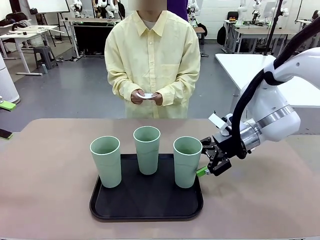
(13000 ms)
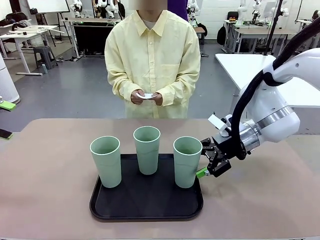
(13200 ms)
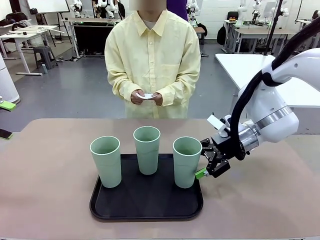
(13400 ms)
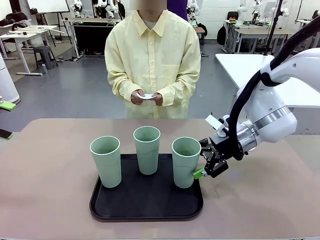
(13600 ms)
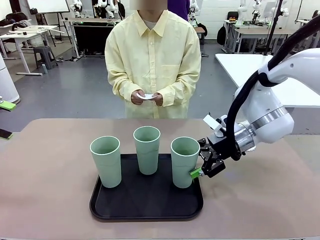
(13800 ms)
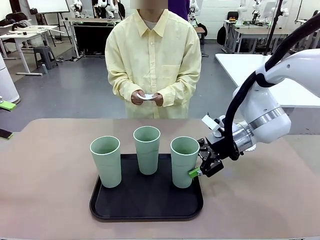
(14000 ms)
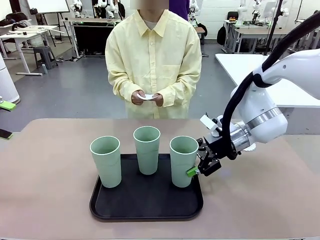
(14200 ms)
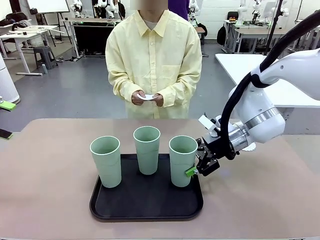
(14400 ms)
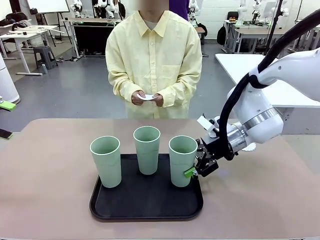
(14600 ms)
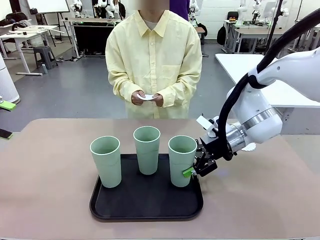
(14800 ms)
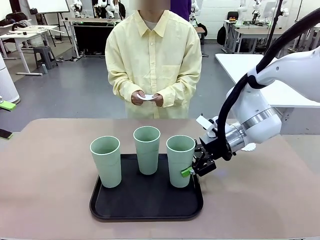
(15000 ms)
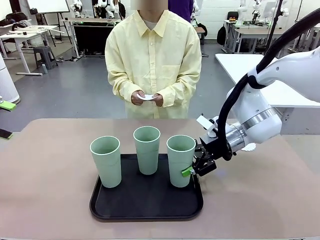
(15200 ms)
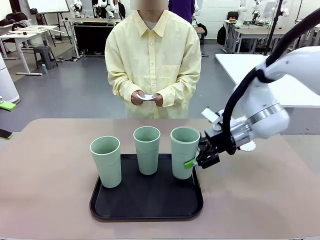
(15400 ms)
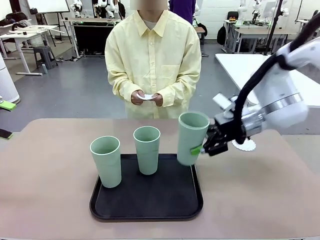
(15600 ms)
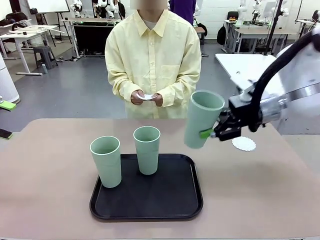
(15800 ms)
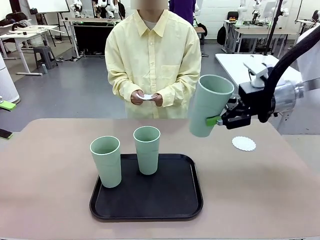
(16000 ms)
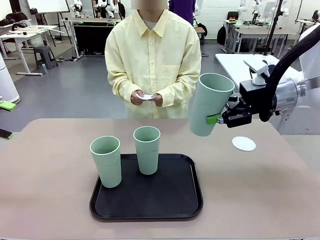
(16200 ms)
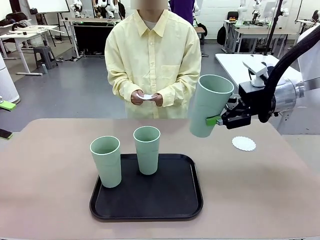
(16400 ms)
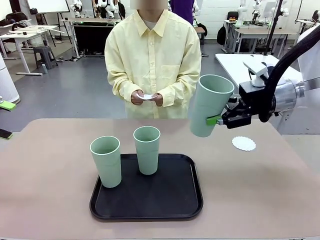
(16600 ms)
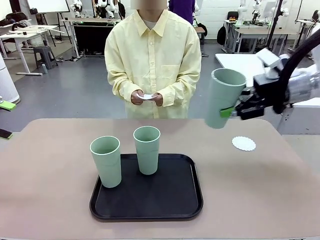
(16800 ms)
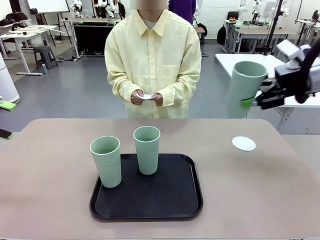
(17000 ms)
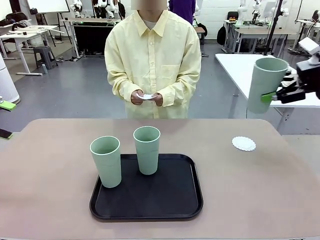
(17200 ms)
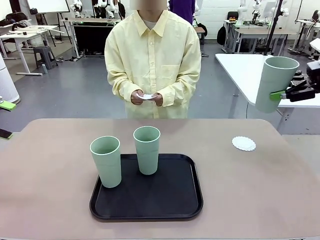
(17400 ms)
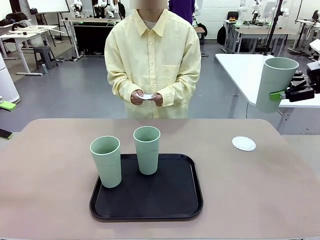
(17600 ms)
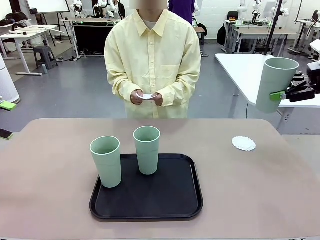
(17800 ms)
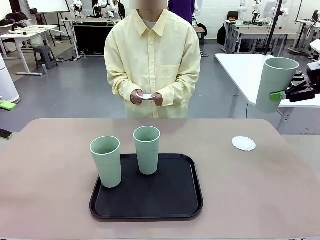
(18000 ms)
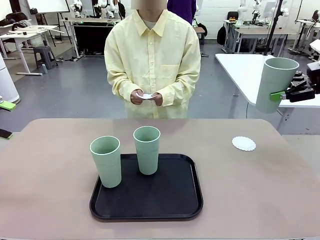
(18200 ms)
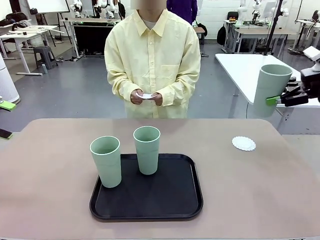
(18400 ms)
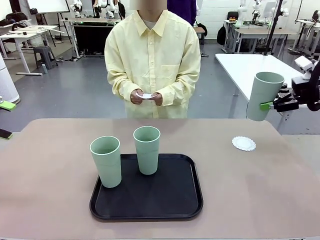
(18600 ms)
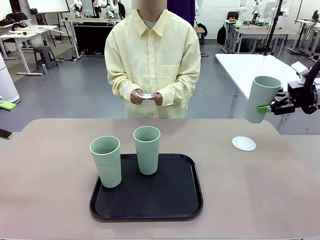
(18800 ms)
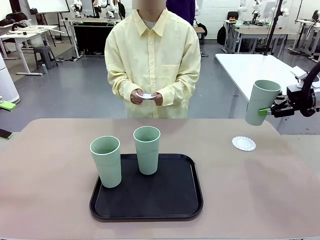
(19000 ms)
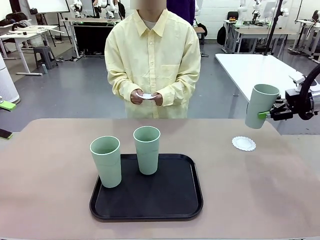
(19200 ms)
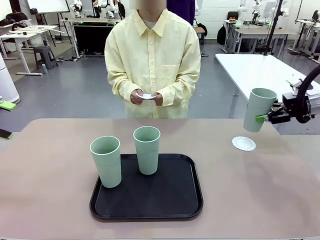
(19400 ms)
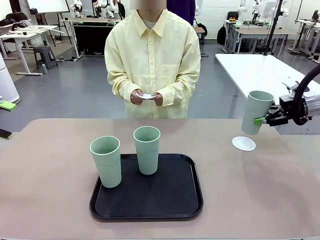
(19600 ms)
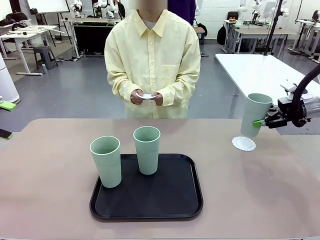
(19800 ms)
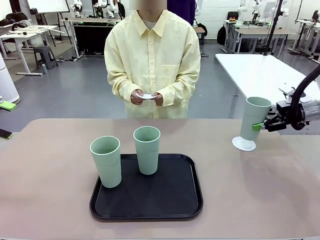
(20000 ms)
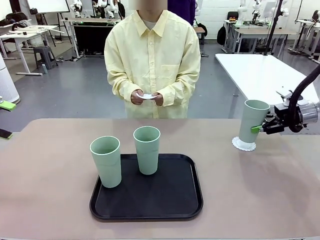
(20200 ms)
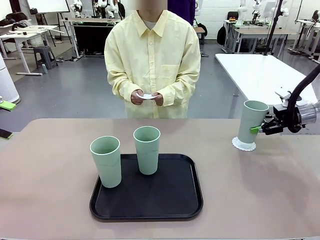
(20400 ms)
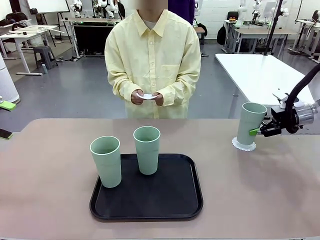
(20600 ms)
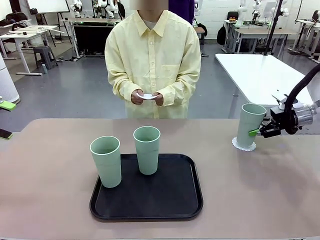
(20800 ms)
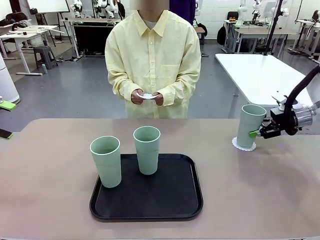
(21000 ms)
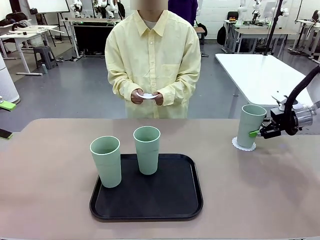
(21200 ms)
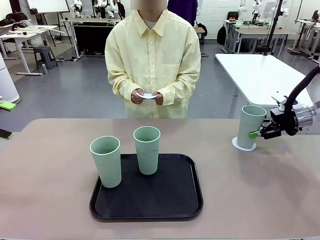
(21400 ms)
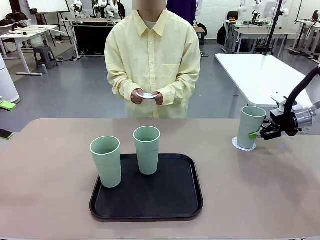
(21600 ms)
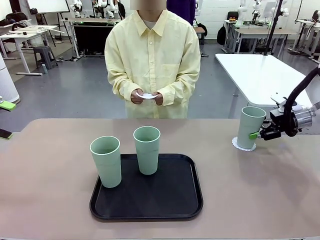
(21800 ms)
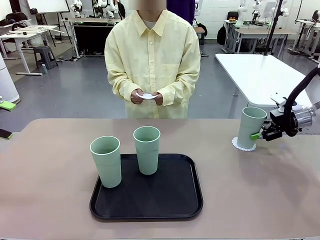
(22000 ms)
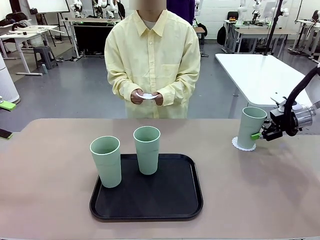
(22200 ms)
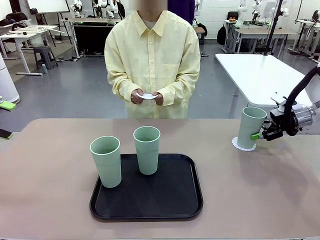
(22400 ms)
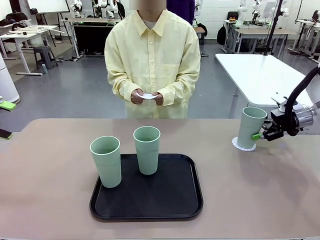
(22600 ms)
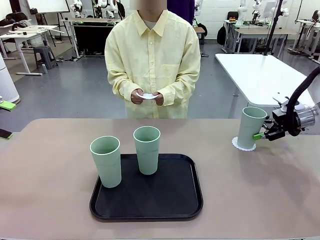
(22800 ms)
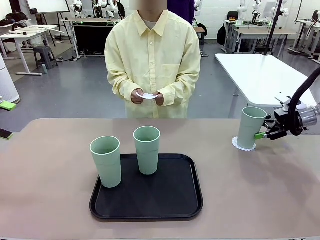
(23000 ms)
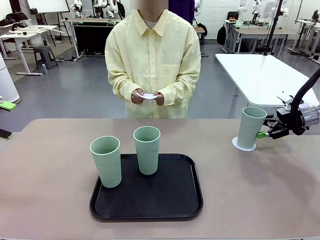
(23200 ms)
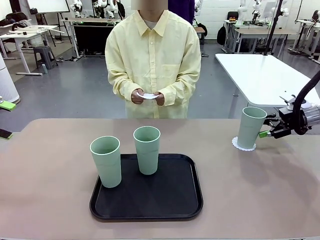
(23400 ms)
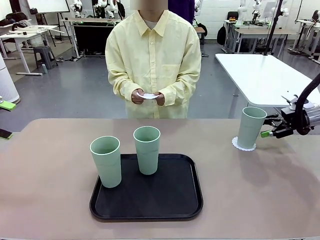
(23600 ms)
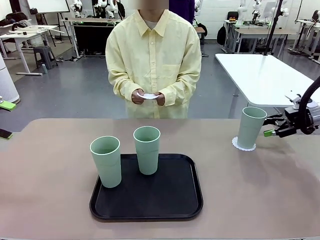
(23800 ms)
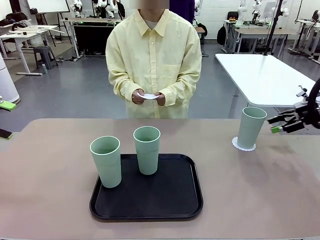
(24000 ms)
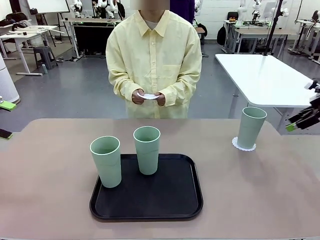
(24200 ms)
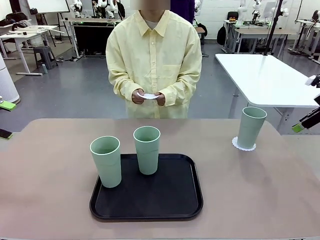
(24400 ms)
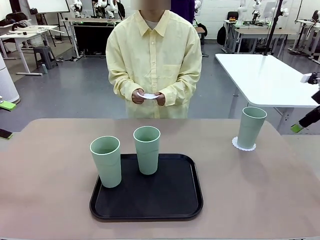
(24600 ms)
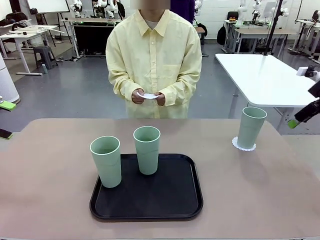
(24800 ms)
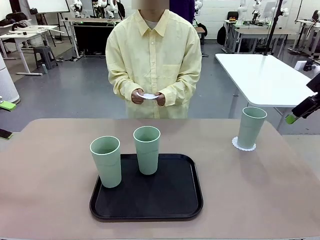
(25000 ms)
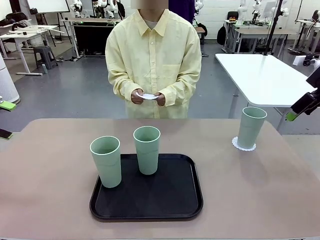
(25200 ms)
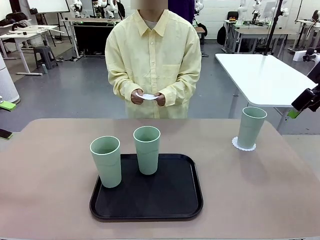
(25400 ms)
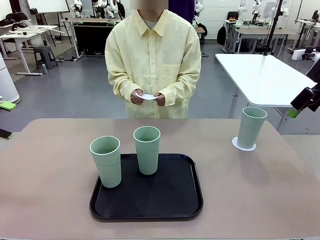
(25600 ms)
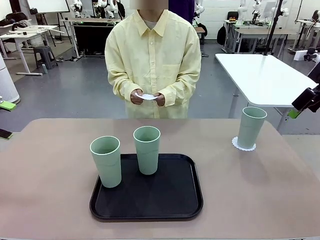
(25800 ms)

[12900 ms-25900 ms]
Task: Place coasters on the table and set cups on them.
Robot: Pick up one Reusable plastic cup and place it on a coaster set by the human.
Person: Place one coaster in one of the two areas excluding the previously selected area.
